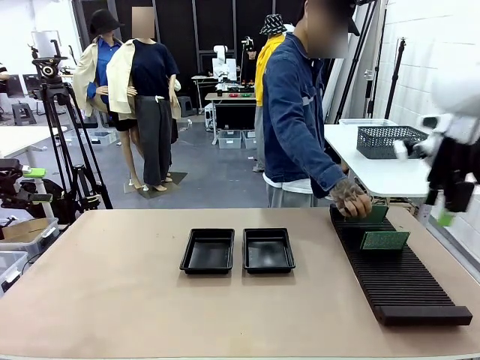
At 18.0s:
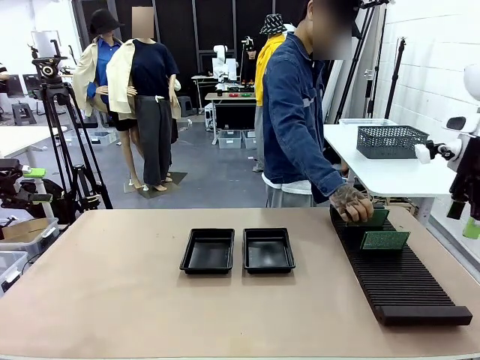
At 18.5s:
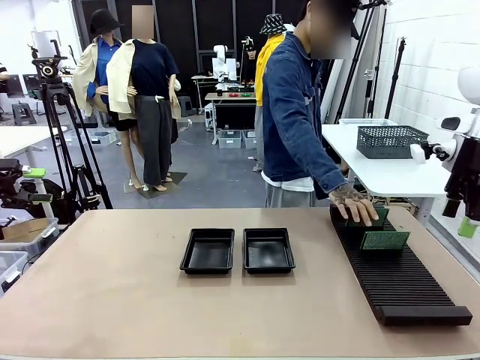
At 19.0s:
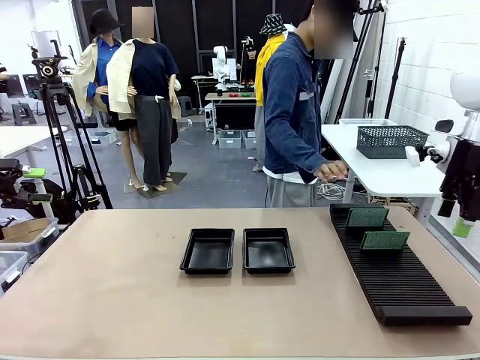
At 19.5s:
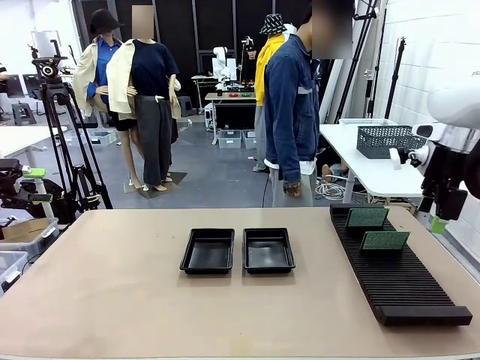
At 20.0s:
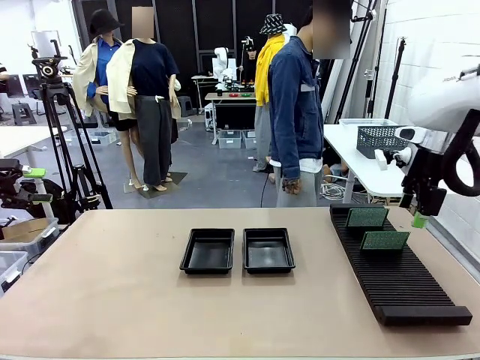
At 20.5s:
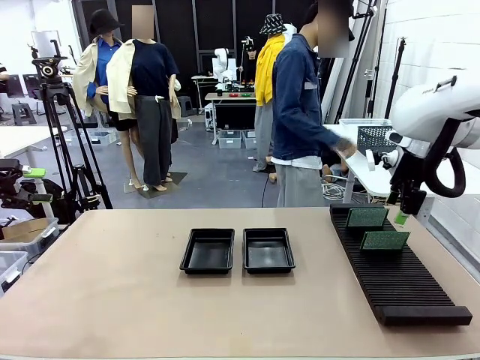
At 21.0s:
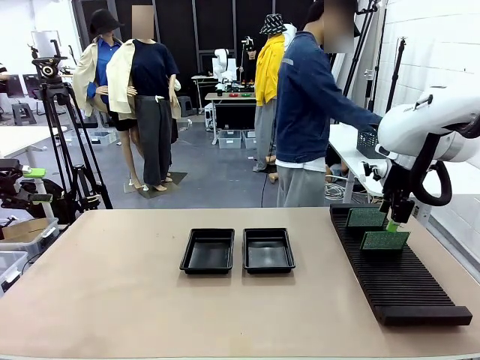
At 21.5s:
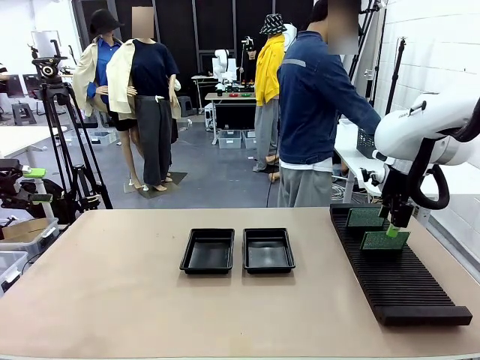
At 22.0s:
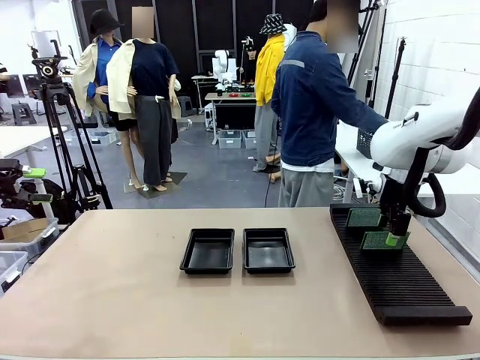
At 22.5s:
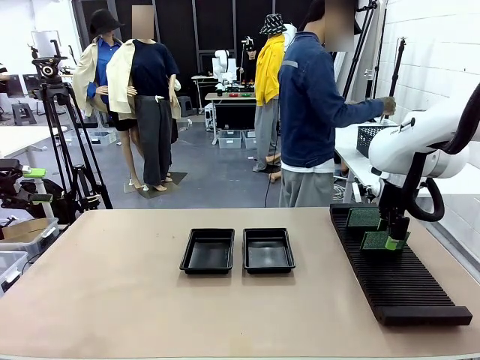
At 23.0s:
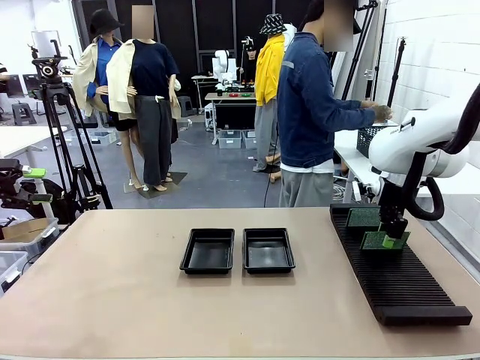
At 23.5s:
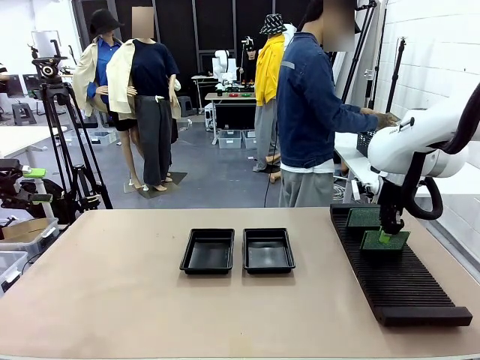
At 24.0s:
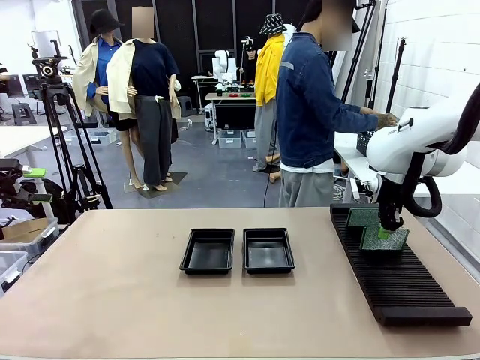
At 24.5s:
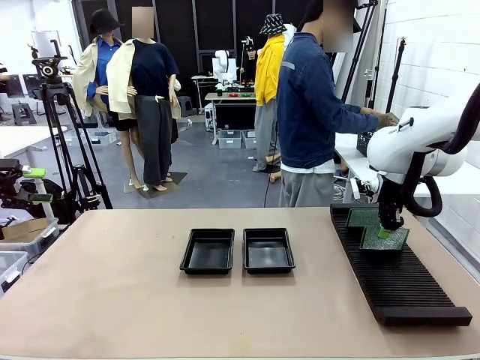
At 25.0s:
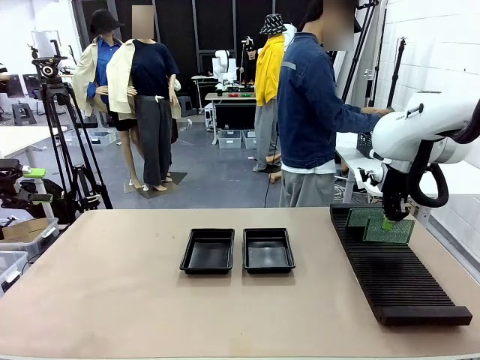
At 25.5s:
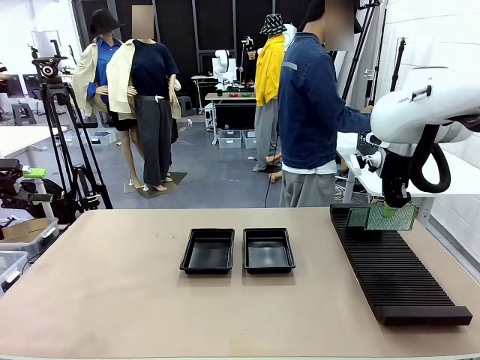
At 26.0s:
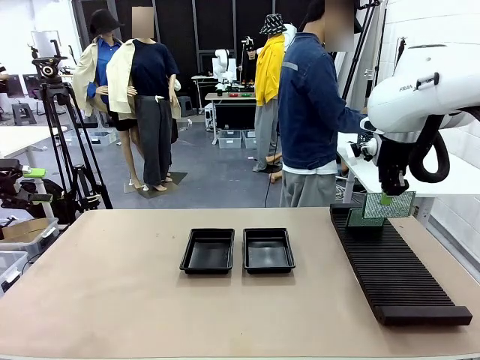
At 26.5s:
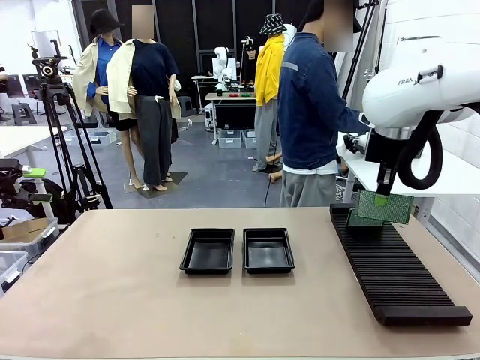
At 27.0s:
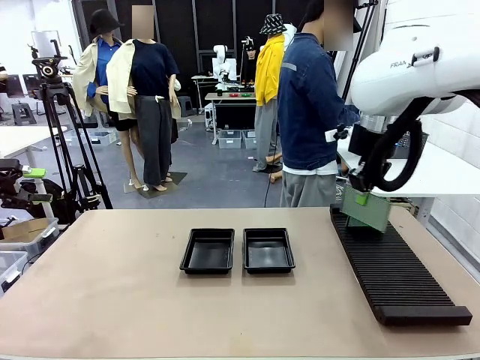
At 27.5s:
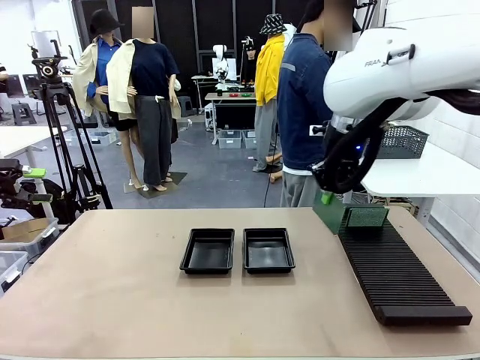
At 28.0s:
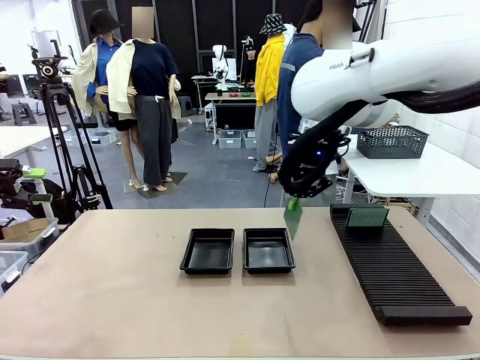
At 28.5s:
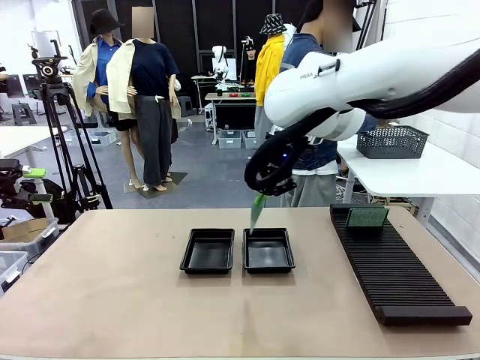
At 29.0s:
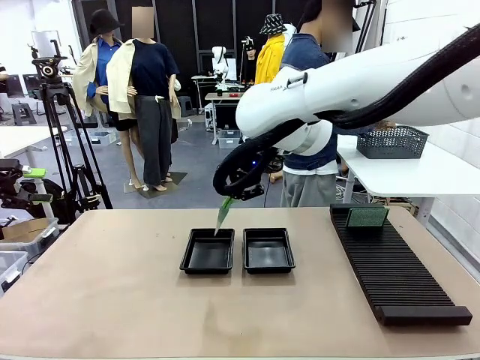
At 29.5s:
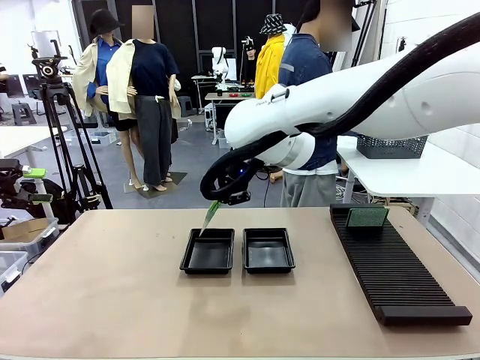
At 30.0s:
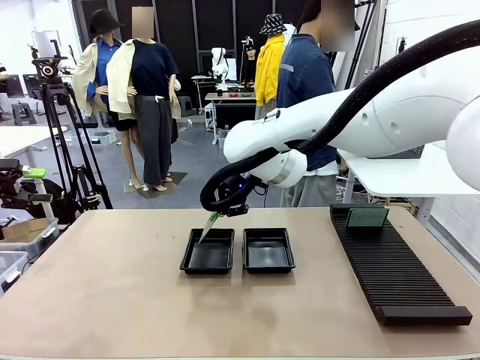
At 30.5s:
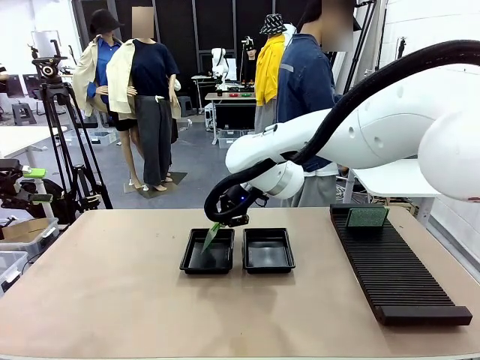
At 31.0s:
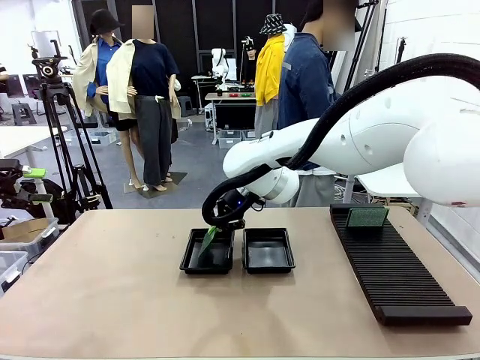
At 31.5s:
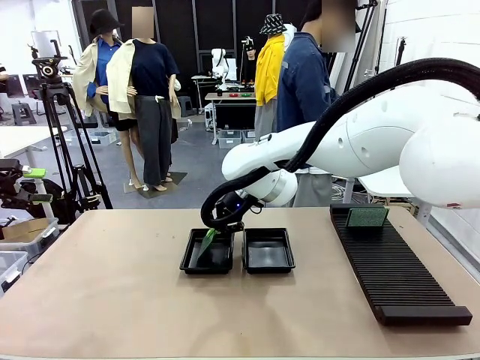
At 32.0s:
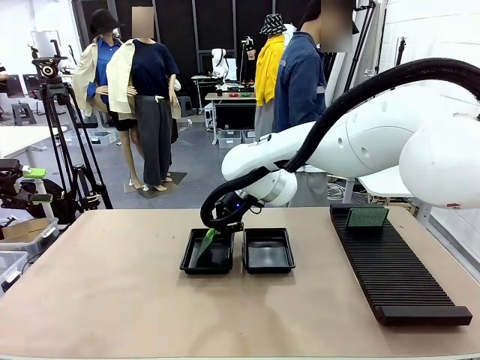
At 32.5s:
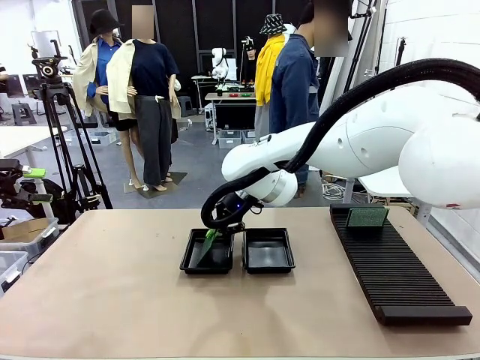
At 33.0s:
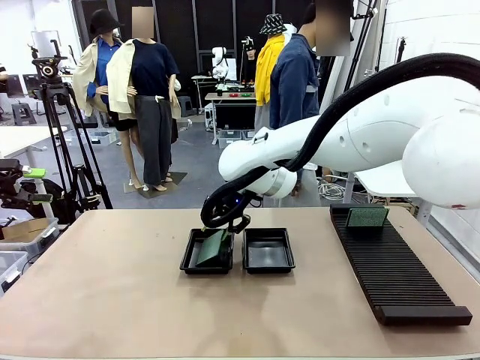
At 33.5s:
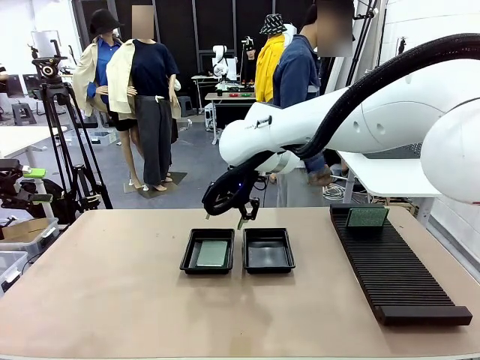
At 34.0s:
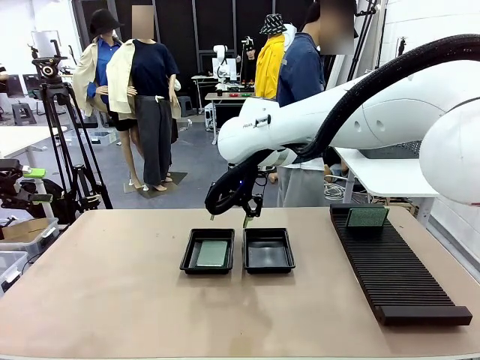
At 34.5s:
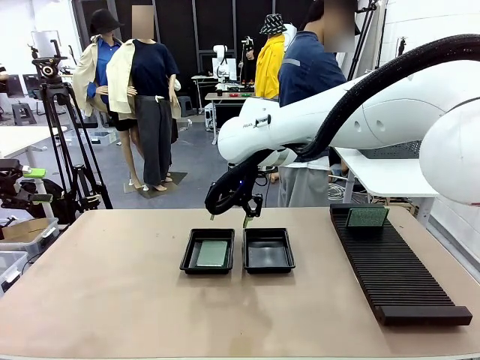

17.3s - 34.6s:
Task: Inspect and transfer BCBs to ESD trays.
Robot: Pick up the Blank PCB from the PCB Rack and place it in the left ESD tray.

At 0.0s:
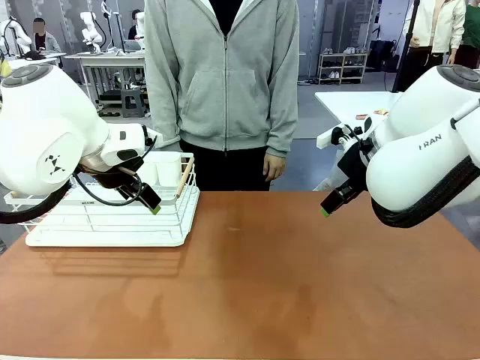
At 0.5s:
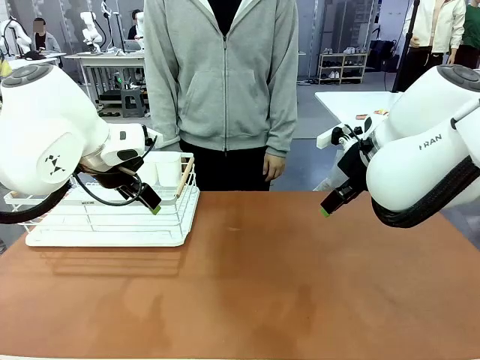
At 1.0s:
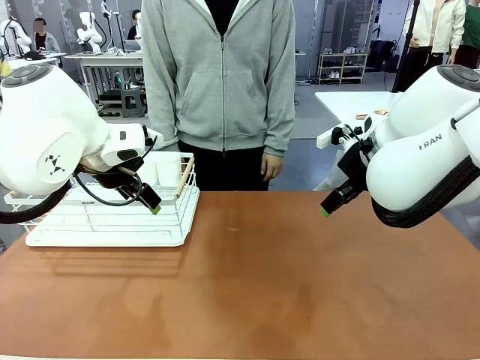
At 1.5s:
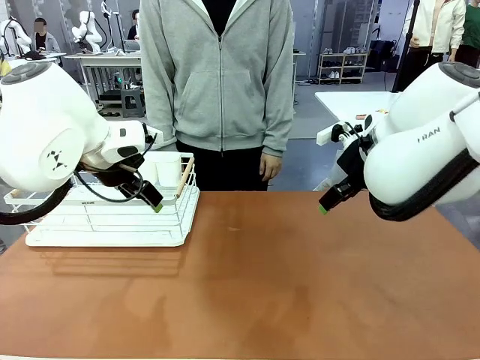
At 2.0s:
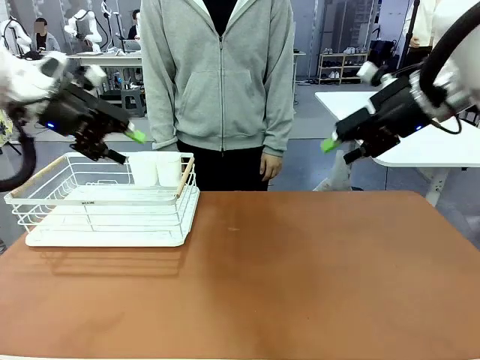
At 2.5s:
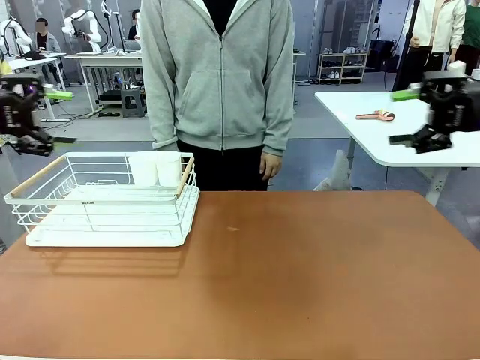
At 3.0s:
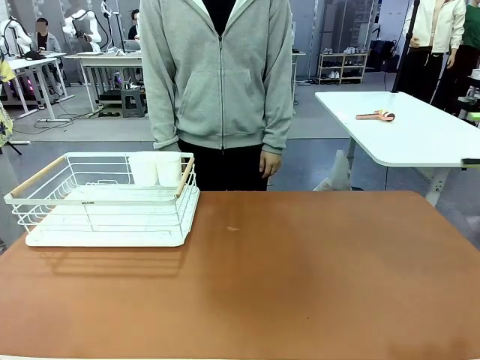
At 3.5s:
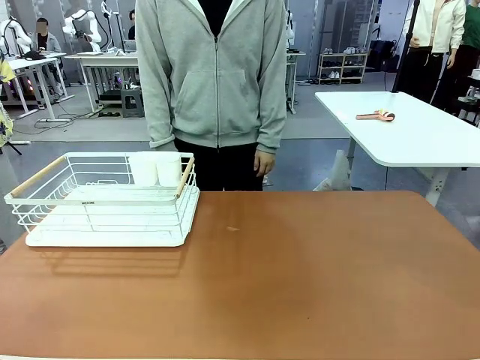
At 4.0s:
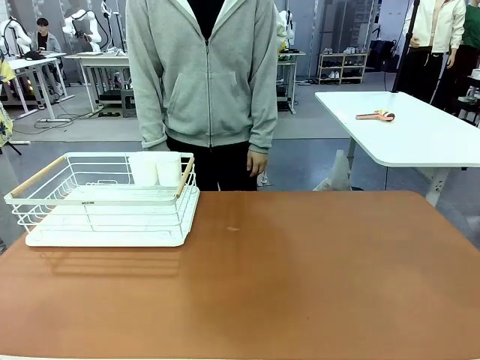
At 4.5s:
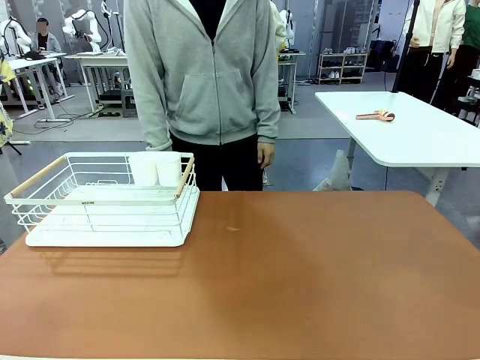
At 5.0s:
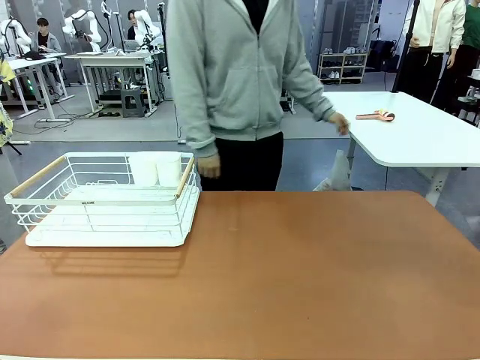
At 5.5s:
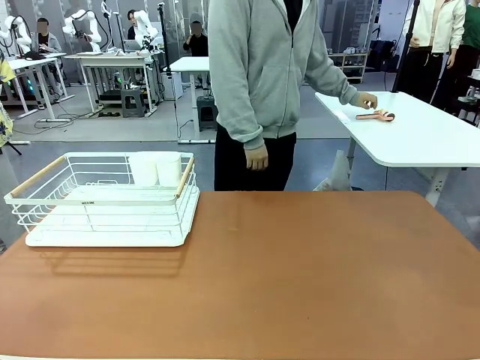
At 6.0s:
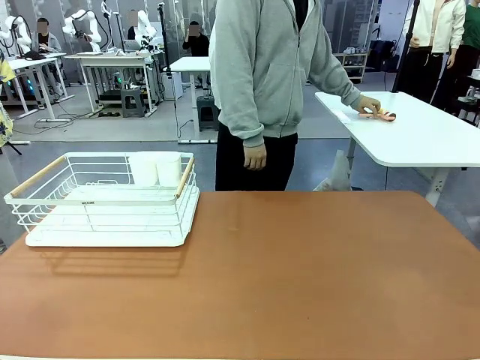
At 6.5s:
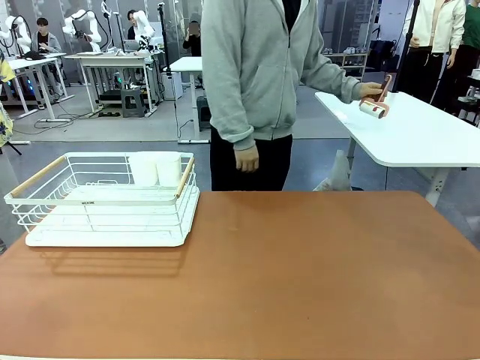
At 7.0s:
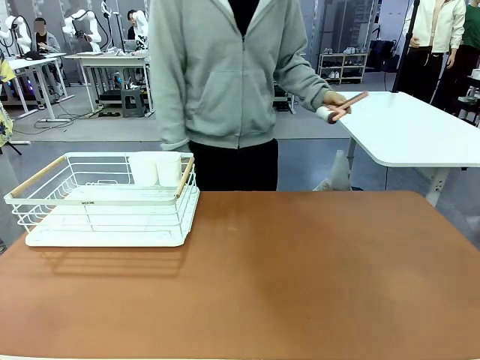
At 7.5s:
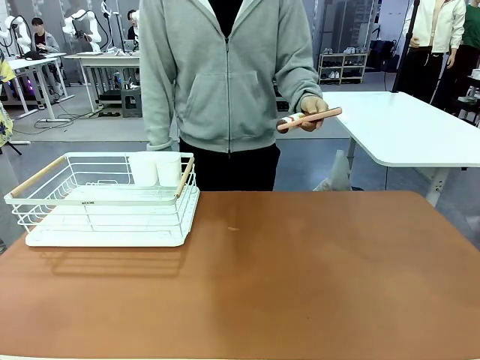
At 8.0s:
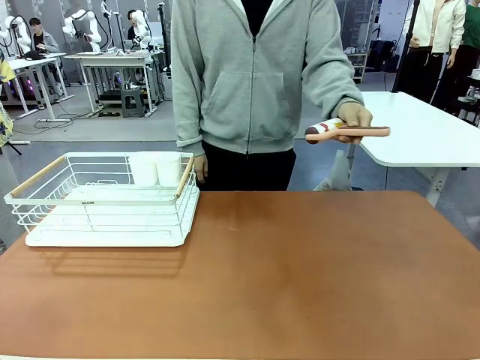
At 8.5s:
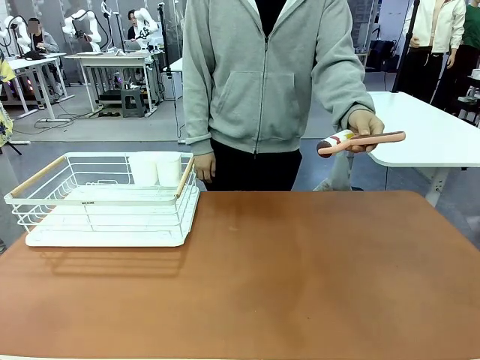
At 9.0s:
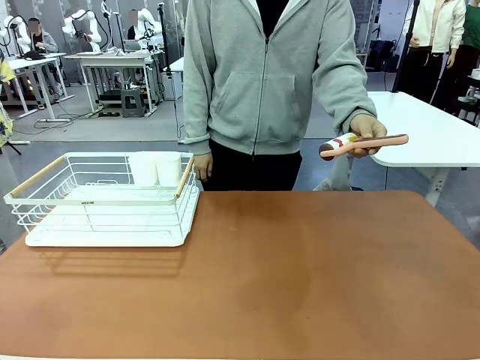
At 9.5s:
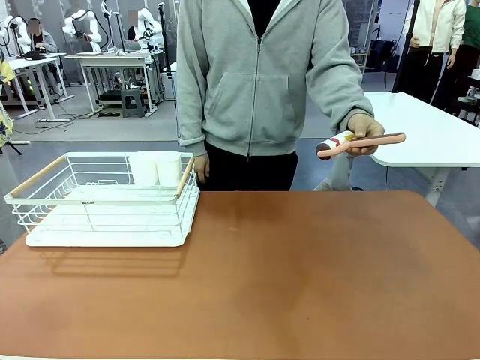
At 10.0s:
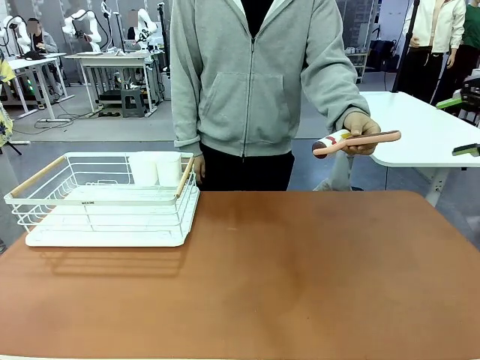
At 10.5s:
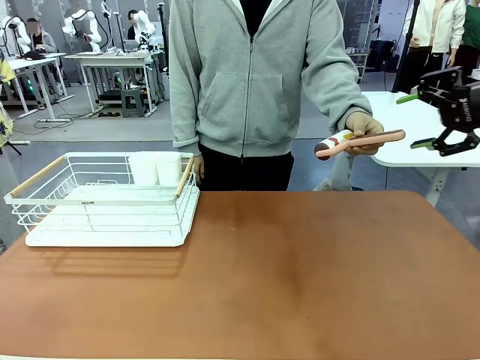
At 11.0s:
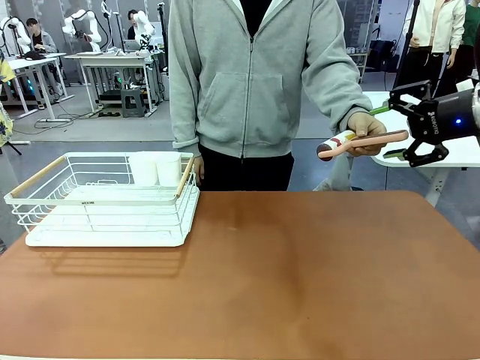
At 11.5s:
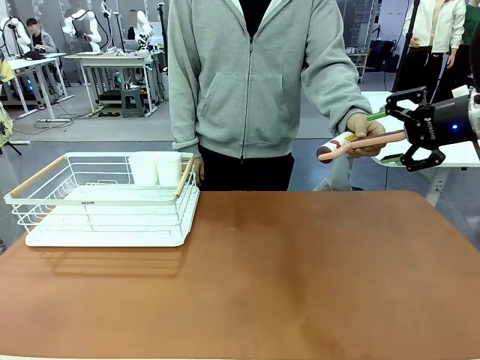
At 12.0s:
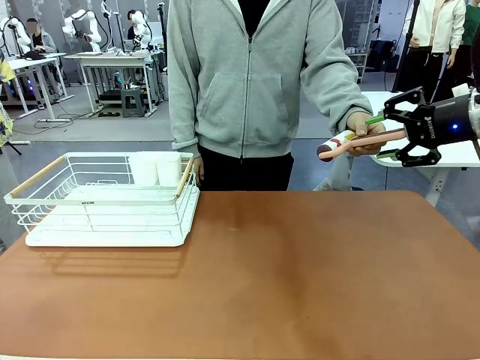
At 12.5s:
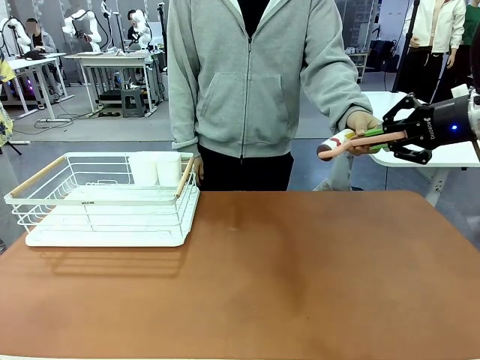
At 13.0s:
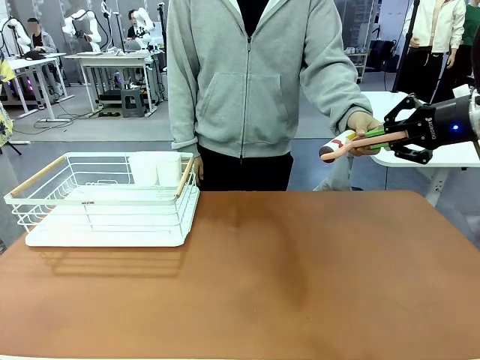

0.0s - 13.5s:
Task: Clean the table.
Robot: Pick up the Lint Roller when the human hands it over.
Person: Hand the Lint Roller to the robot so it can easily pick it up. Lift the Dish drying rack.
